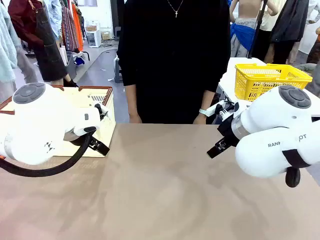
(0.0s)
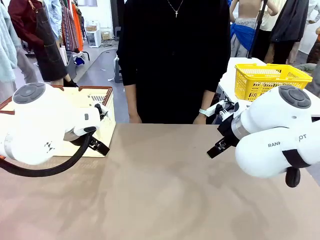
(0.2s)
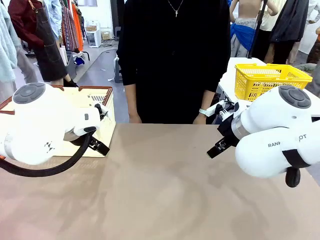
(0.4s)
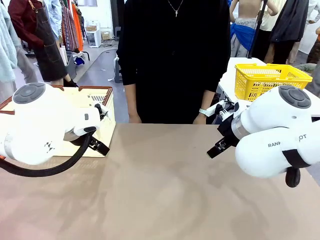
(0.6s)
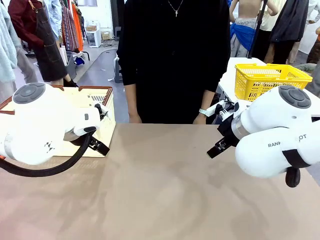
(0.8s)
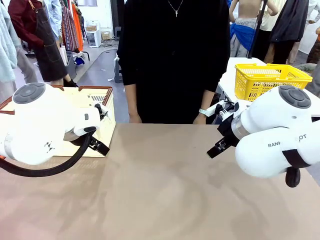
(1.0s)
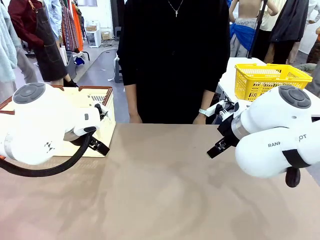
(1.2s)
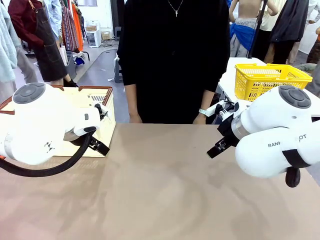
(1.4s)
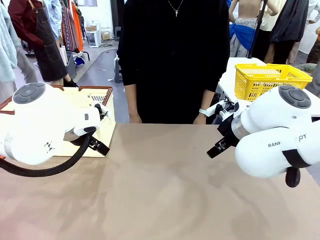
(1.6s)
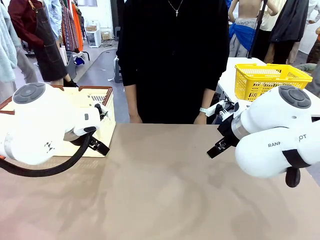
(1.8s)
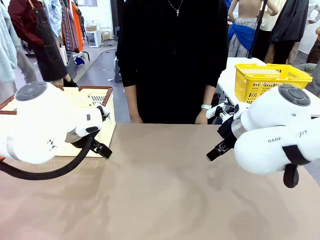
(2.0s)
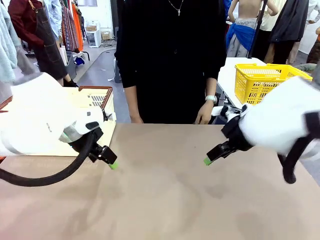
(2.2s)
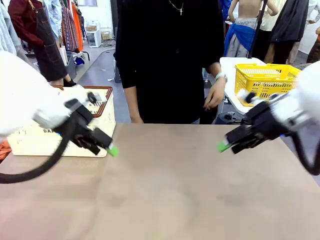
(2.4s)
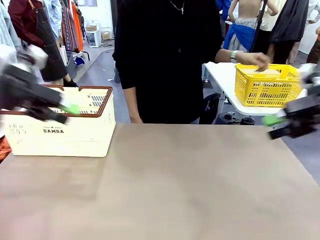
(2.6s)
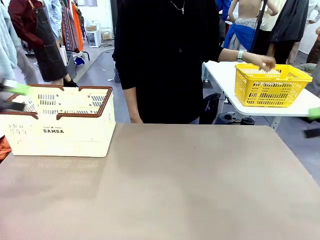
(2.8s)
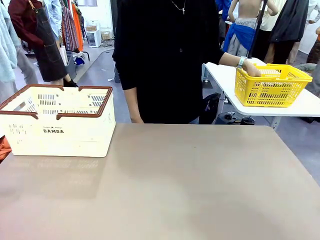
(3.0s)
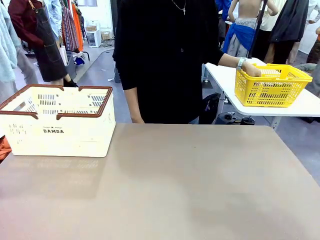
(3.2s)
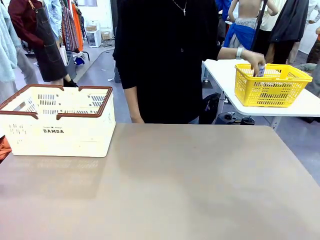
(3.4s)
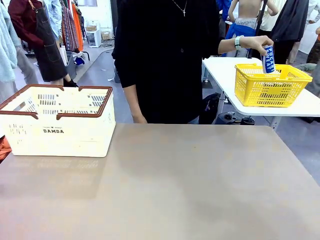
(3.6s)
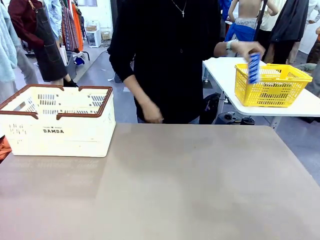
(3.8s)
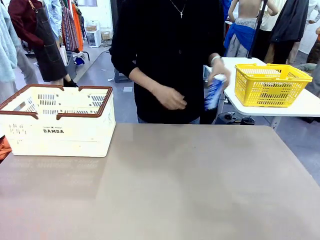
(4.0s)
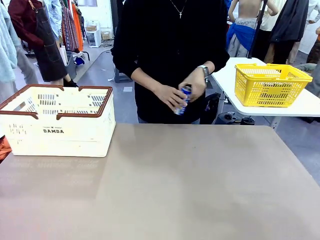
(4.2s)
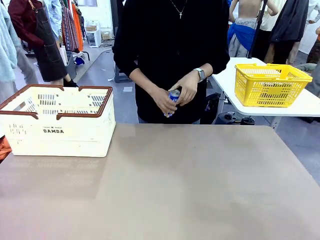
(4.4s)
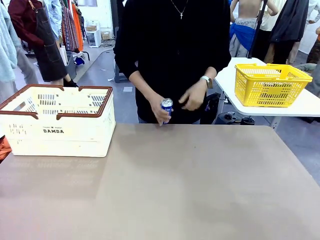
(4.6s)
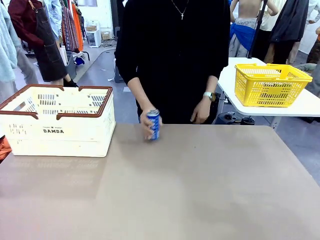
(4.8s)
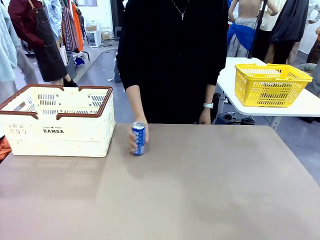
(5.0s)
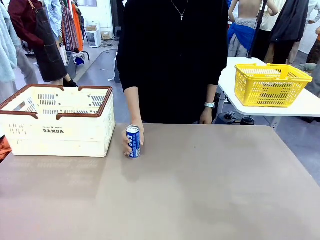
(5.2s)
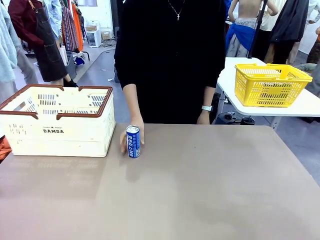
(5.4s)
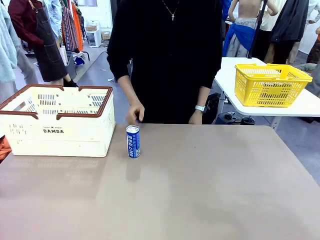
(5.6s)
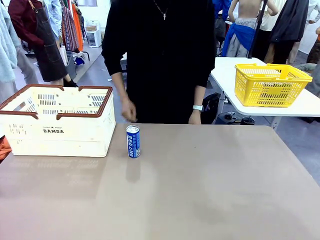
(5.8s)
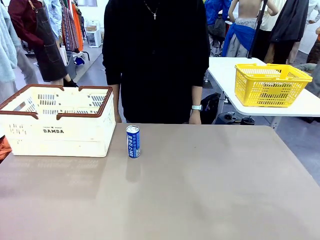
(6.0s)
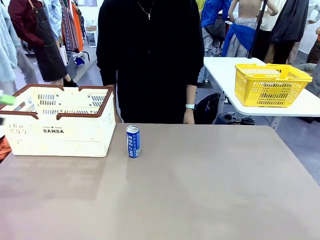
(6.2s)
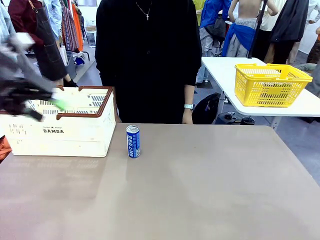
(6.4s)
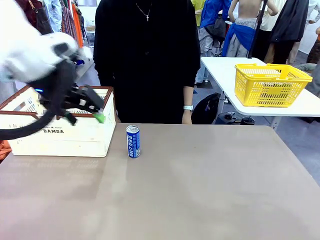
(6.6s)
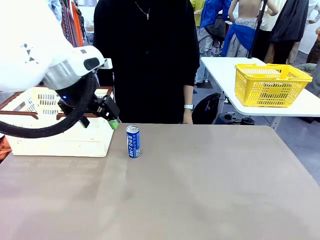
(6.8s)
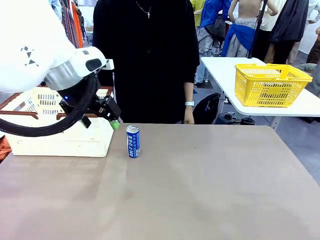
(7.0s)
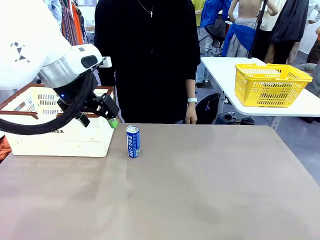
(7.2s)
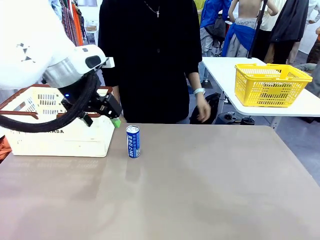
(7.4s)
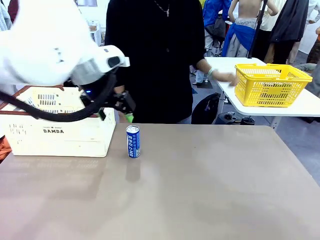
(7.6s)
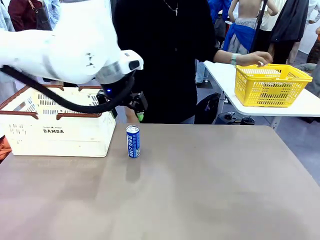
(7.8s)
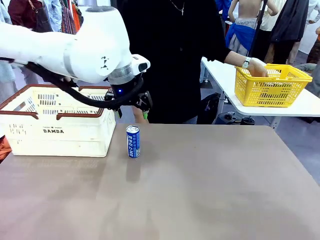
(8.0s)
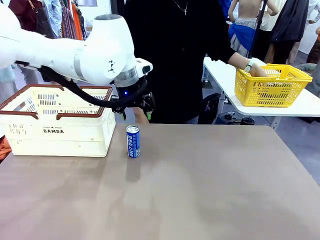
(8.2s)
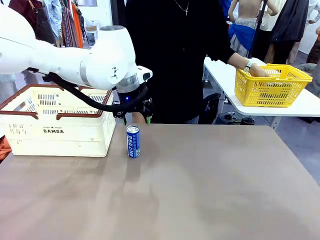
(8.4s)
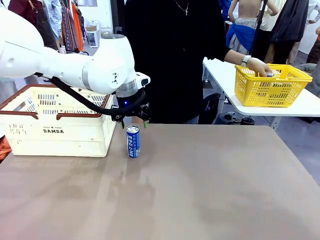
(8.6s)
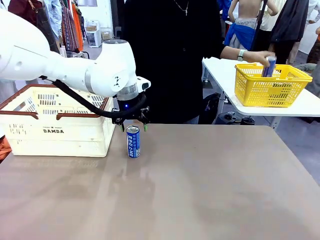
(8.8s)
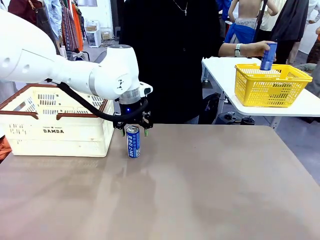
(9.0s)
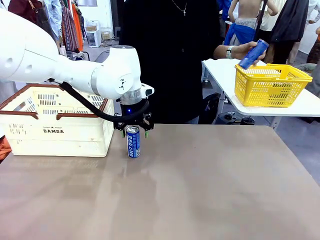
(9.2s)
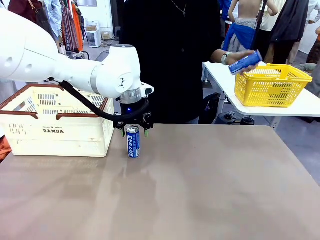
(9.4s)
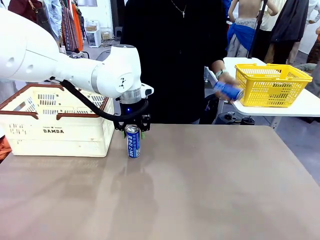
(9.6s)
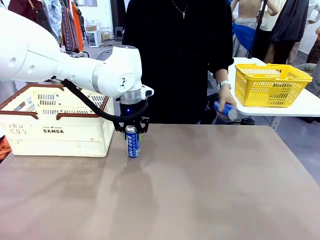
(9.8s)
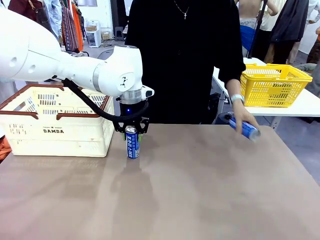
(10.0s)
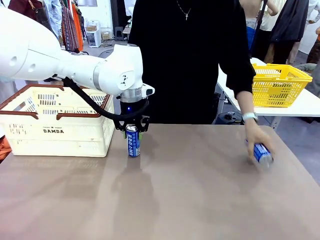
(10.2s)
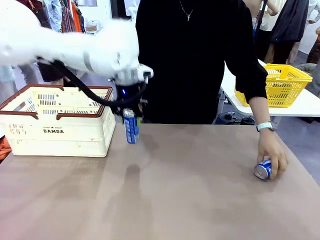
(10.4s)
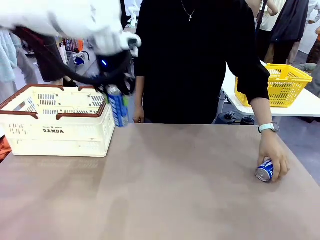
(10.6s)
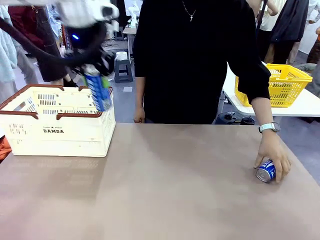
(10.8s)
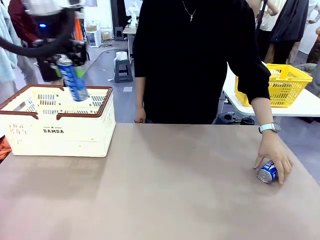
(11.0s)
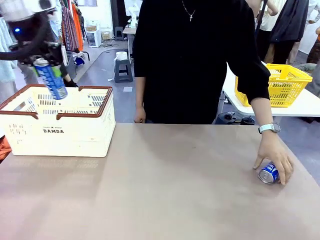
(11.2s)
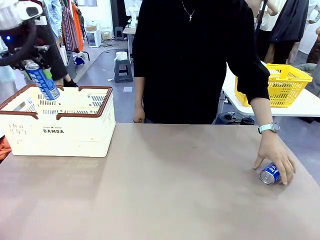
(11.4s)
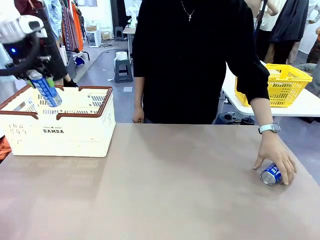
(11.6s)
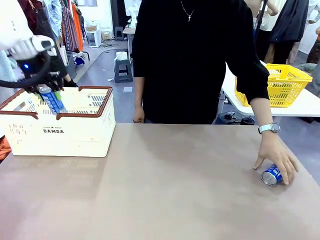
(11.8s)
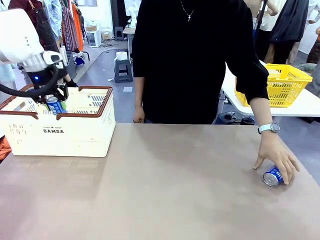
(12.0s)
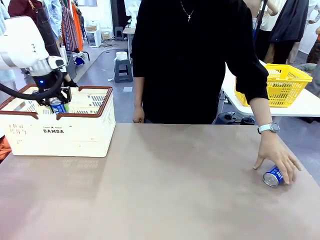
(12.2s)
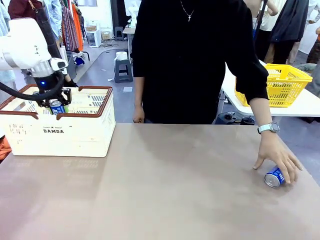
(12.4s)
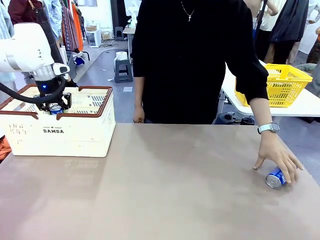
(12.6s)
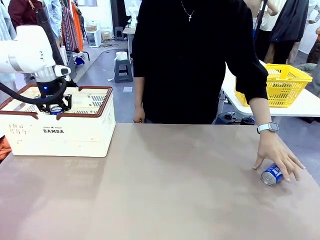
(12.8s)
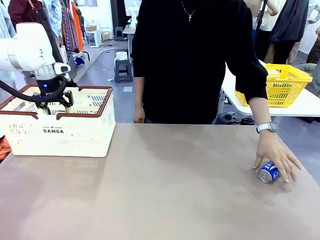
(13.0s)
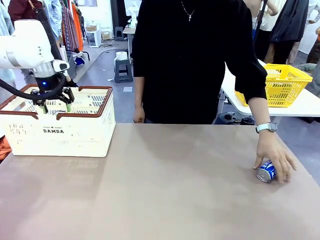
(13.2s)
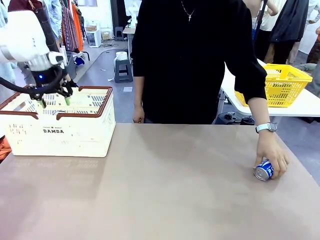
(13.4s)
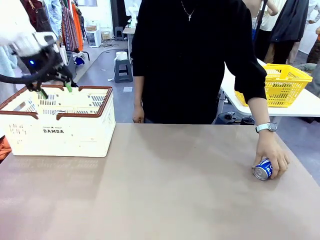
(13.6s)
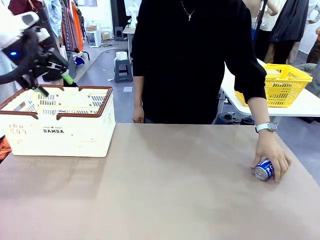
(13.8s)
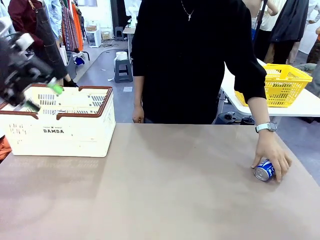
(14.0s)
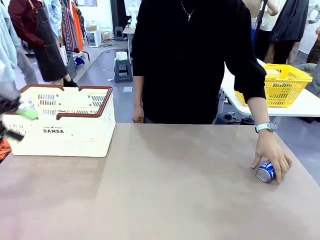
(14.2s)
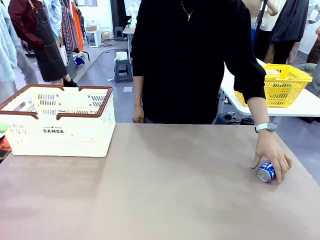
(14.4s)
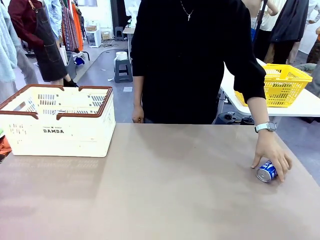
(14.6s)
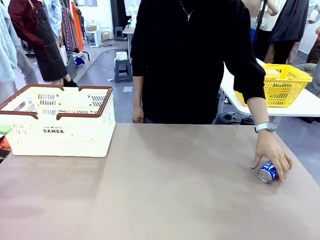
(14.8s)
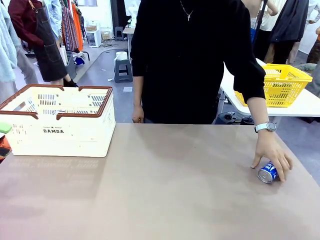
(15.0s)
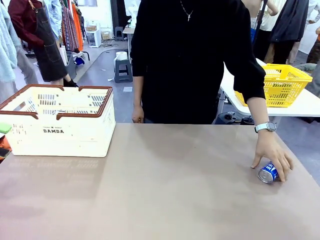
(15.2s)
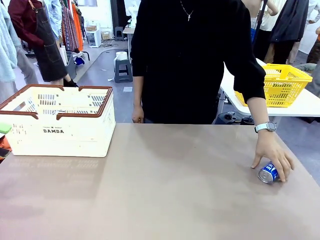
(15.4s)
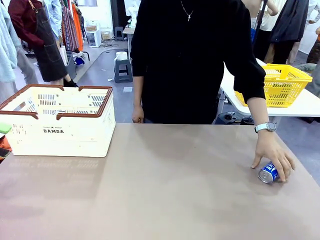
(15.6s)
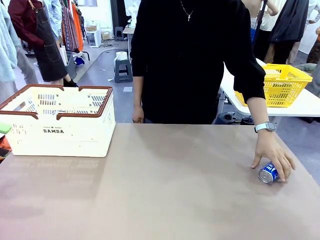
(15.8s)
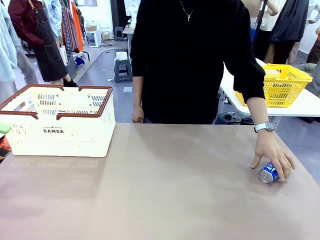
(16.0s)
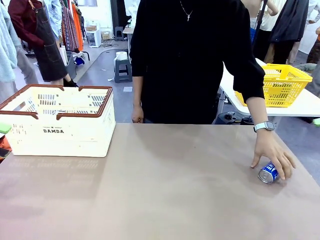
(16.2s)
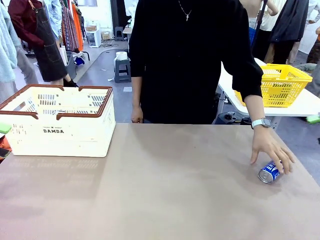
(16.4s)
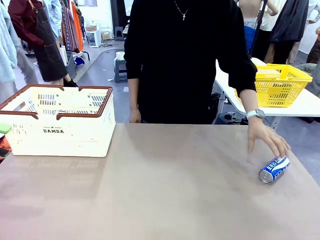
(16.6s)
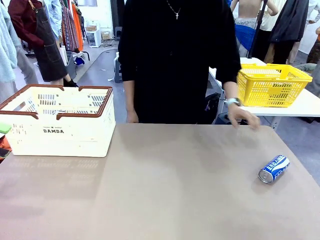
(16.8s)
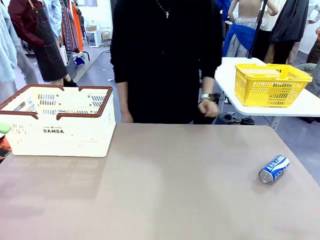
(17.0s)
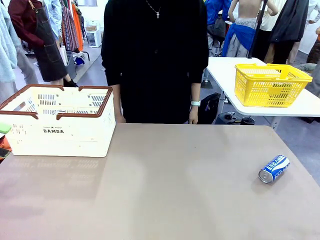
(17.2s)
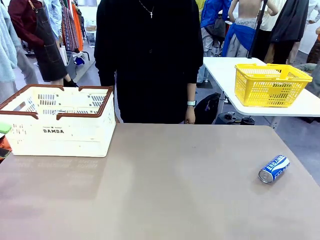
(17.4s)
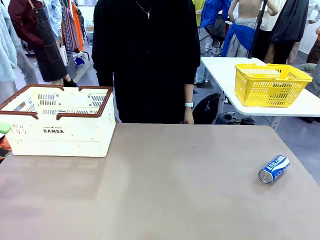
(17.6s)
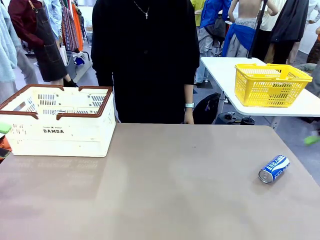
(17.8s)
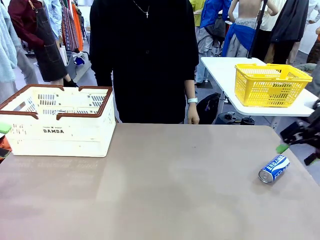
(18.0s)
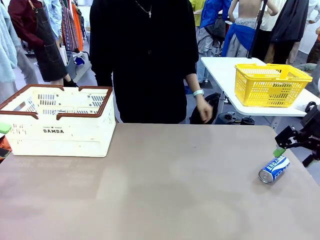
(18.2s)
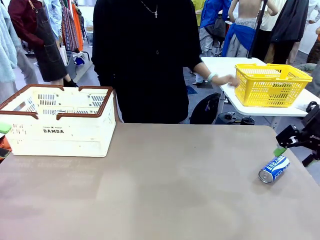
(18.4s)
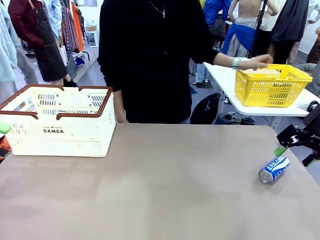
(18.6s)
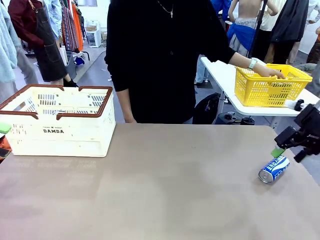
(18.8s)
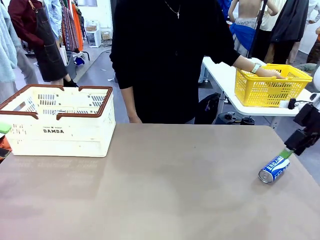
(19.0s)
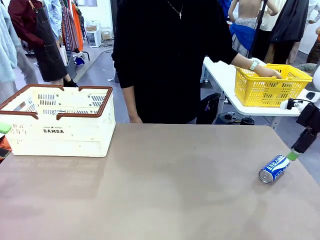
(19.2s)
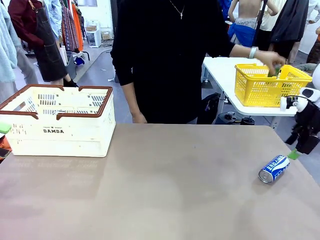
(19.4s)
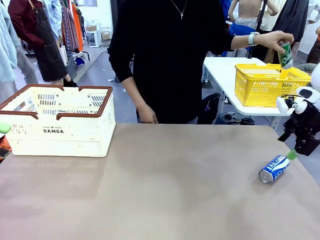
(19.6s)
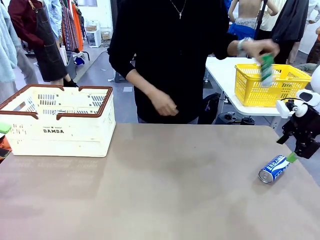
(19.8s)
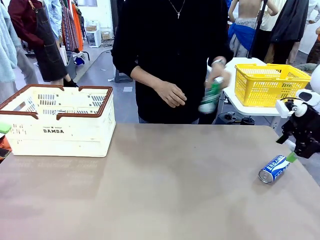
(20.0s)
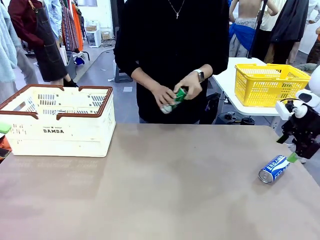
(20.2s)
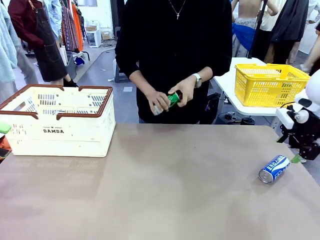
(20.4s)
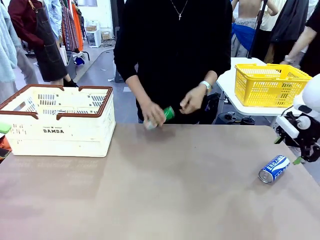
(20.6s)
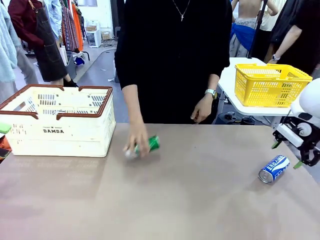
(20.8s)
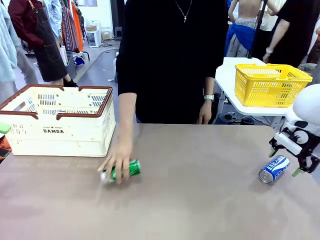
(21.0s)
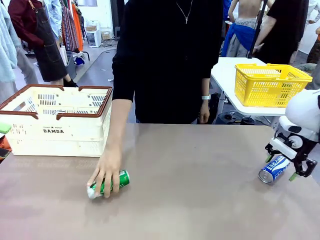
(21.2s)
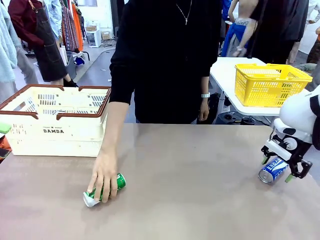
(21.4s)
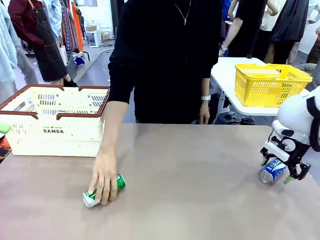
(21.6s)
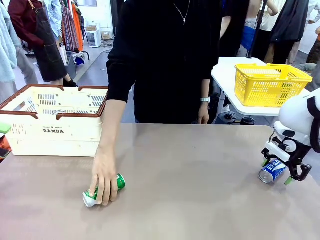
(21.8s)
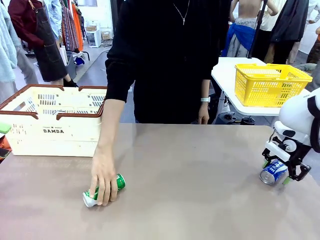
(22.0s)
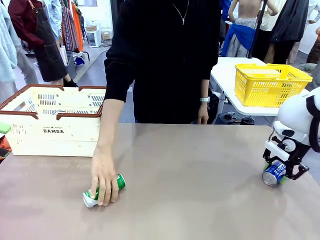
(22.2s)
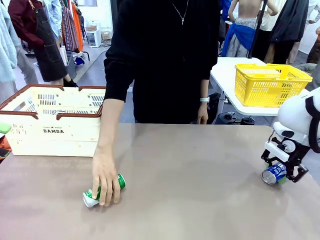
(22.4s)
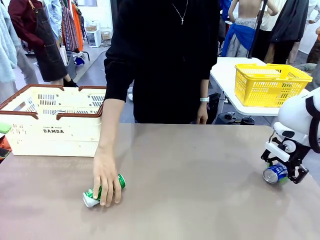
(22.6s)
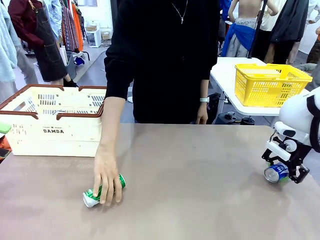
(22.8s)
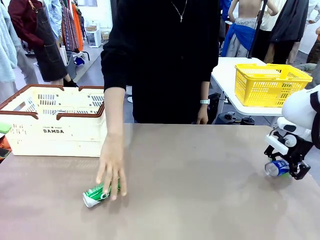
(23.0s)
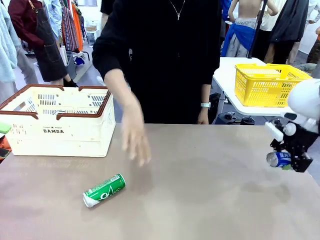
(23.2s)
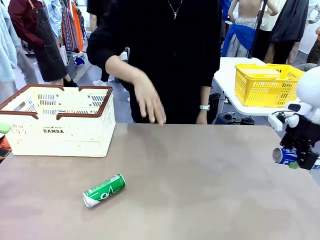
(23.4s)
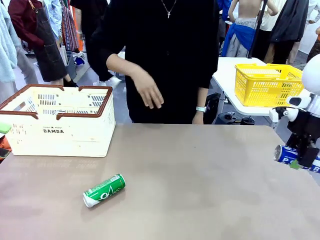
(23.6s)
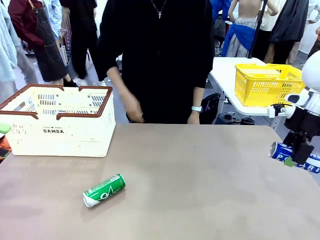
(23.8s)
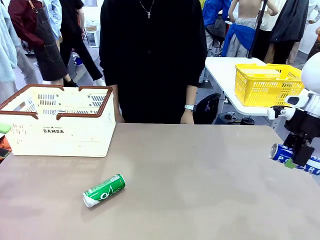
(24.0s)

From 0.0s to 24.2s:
Task: Place the drinks into the Shopping basket.
Robot: Pick up one drink and place it into the Shopping basket.
